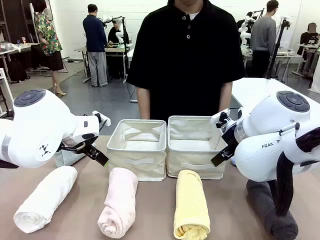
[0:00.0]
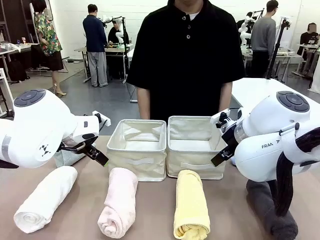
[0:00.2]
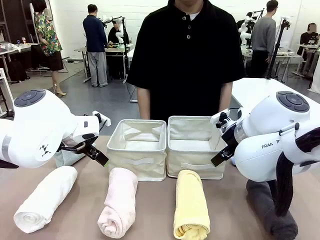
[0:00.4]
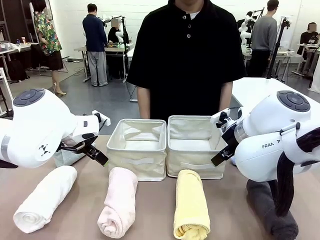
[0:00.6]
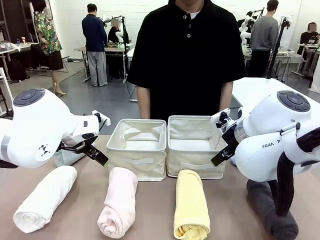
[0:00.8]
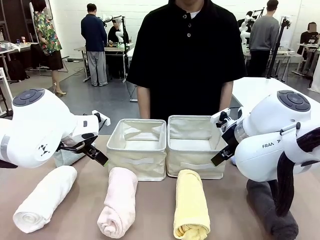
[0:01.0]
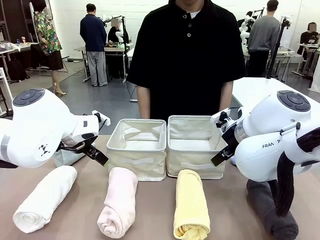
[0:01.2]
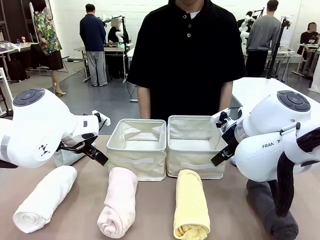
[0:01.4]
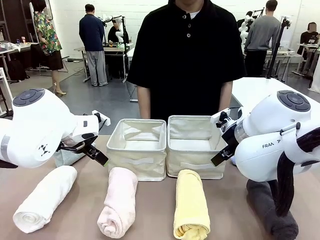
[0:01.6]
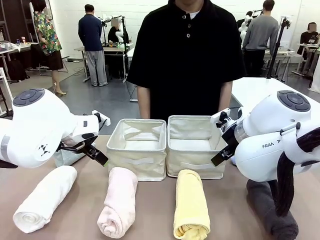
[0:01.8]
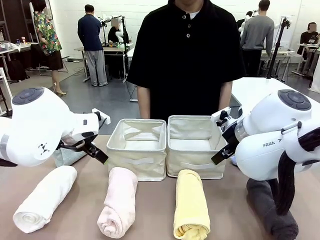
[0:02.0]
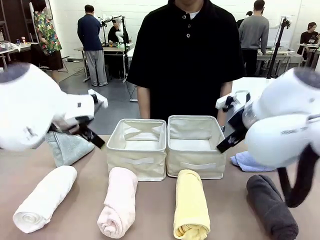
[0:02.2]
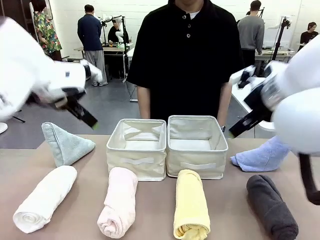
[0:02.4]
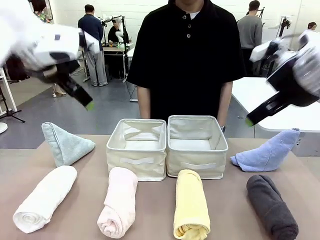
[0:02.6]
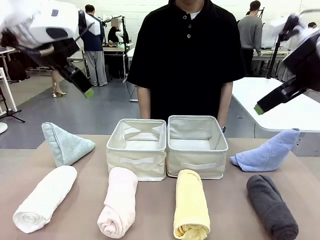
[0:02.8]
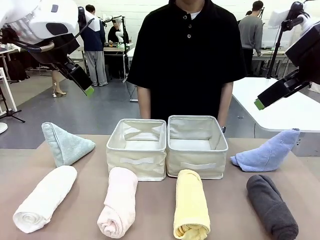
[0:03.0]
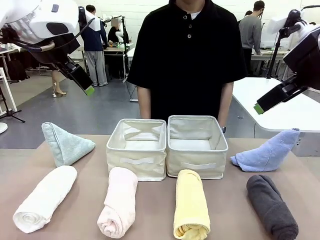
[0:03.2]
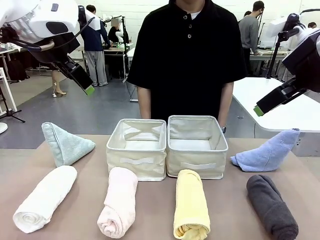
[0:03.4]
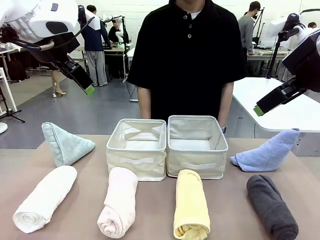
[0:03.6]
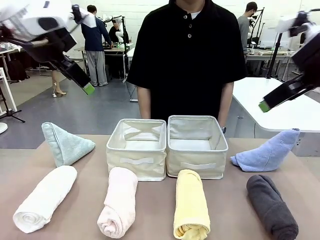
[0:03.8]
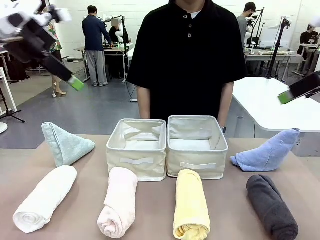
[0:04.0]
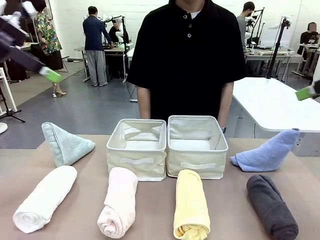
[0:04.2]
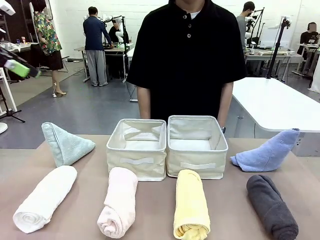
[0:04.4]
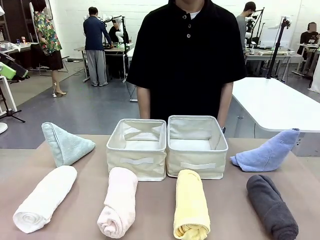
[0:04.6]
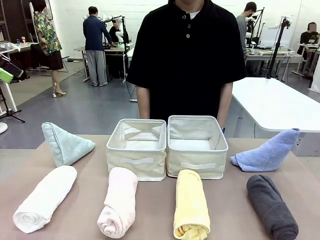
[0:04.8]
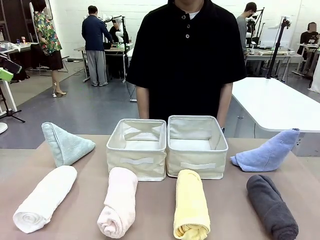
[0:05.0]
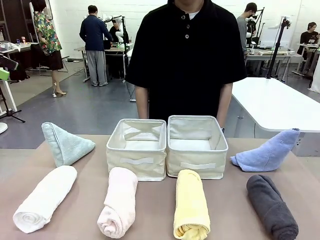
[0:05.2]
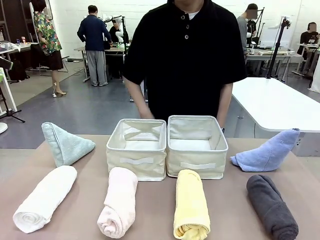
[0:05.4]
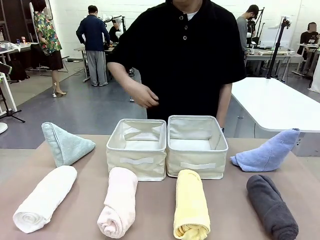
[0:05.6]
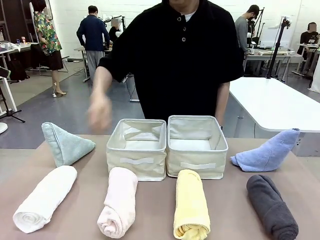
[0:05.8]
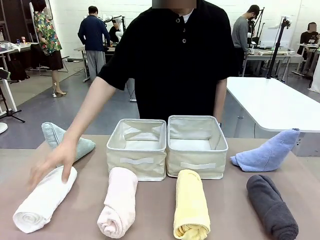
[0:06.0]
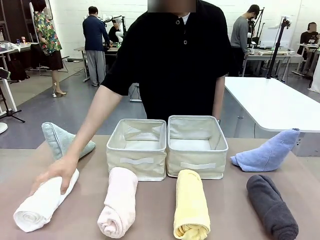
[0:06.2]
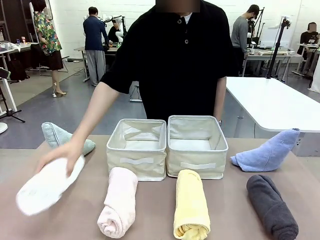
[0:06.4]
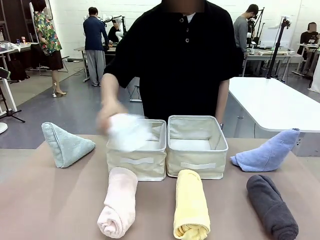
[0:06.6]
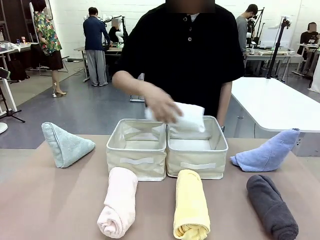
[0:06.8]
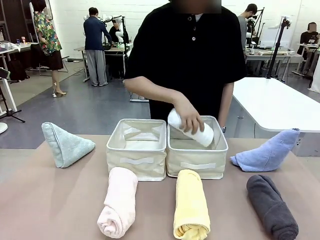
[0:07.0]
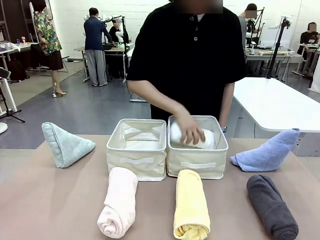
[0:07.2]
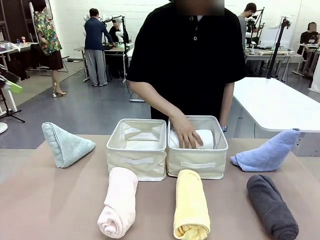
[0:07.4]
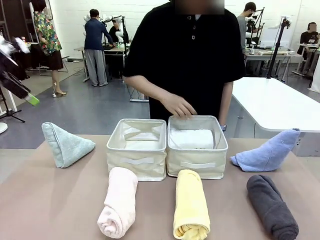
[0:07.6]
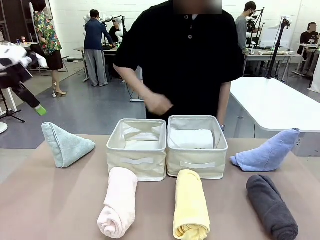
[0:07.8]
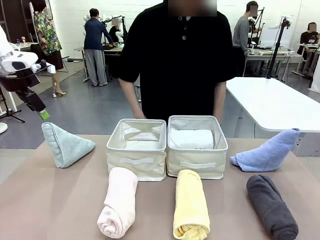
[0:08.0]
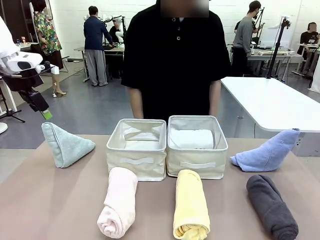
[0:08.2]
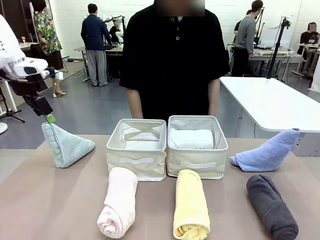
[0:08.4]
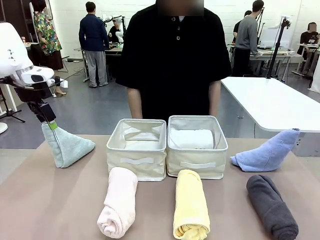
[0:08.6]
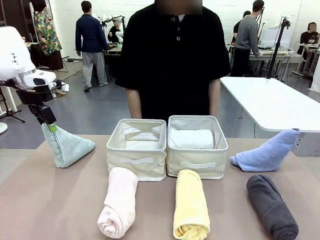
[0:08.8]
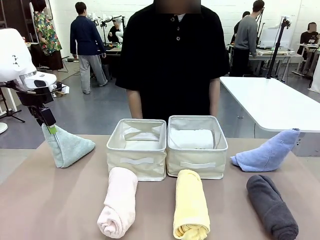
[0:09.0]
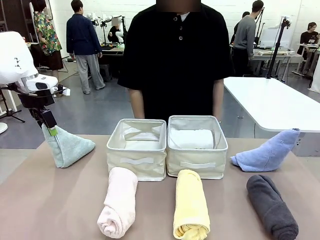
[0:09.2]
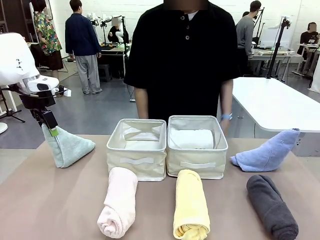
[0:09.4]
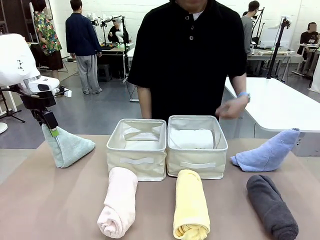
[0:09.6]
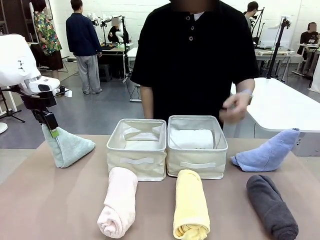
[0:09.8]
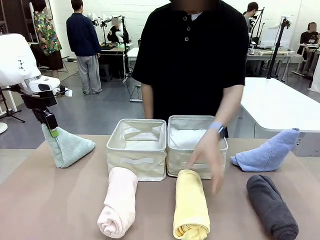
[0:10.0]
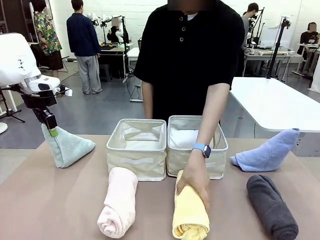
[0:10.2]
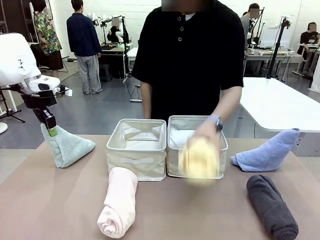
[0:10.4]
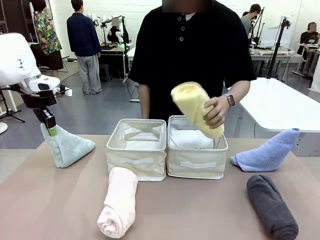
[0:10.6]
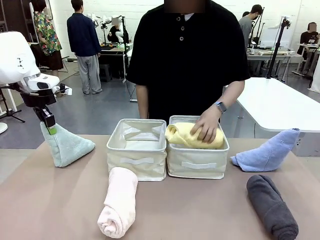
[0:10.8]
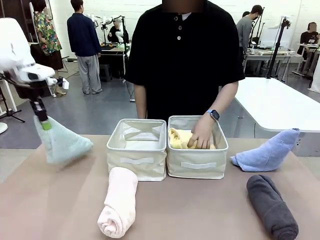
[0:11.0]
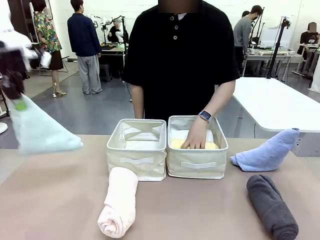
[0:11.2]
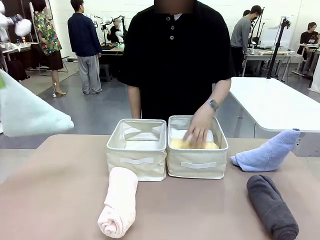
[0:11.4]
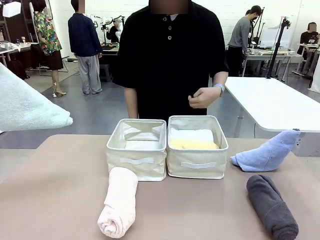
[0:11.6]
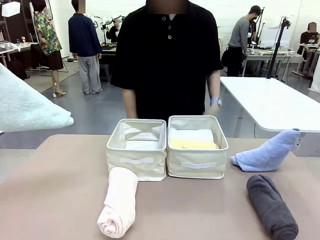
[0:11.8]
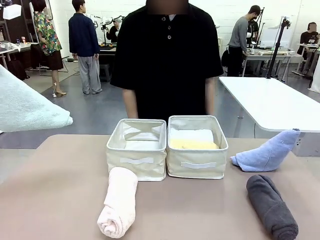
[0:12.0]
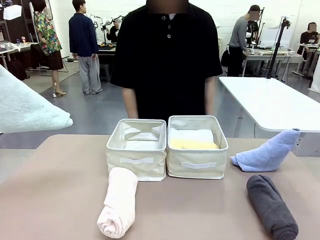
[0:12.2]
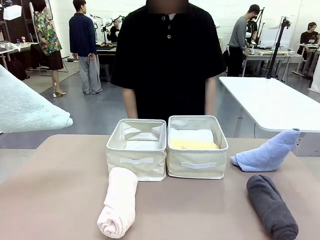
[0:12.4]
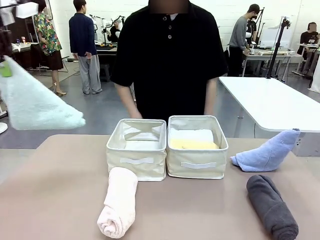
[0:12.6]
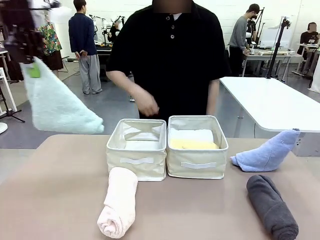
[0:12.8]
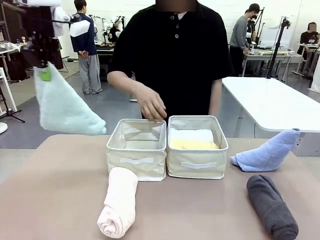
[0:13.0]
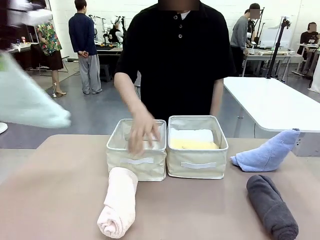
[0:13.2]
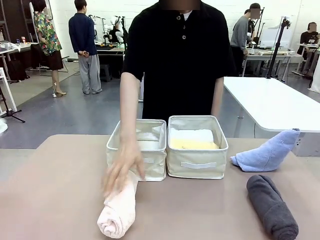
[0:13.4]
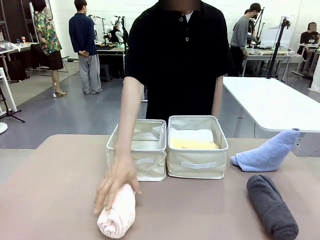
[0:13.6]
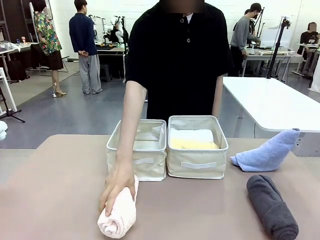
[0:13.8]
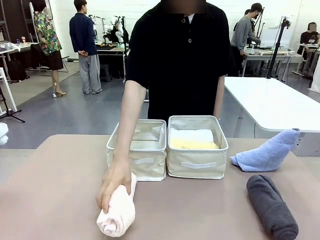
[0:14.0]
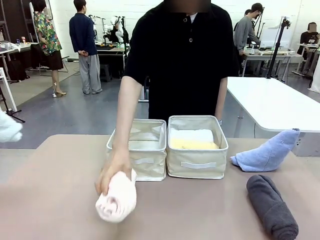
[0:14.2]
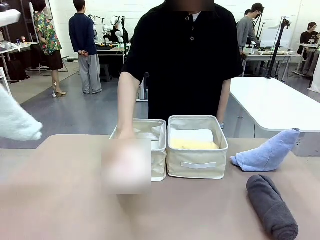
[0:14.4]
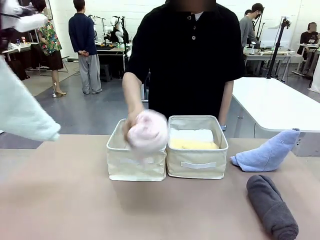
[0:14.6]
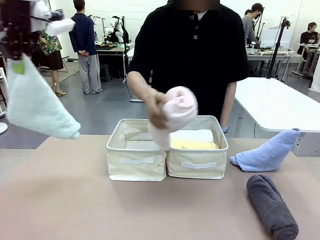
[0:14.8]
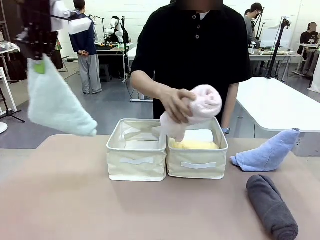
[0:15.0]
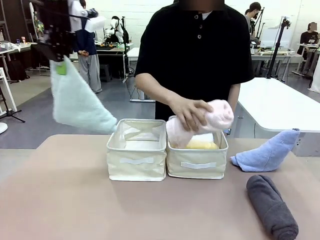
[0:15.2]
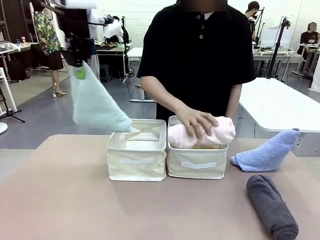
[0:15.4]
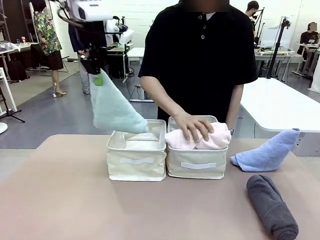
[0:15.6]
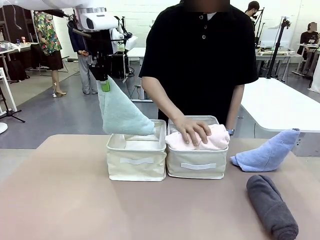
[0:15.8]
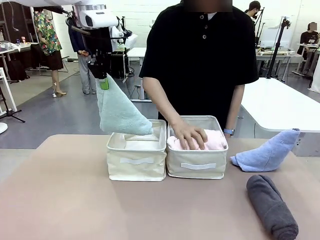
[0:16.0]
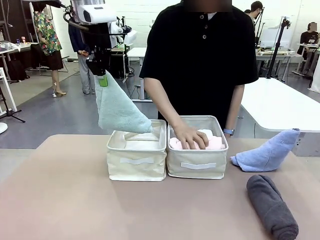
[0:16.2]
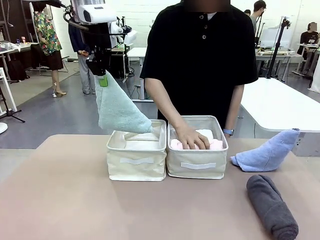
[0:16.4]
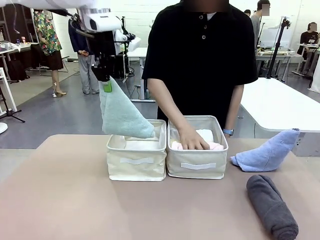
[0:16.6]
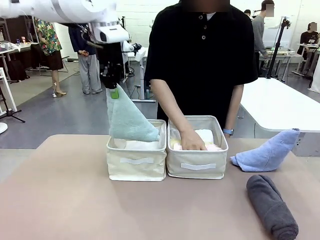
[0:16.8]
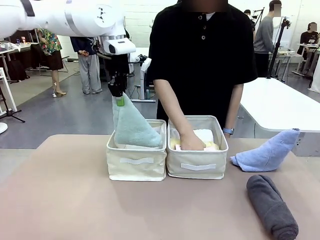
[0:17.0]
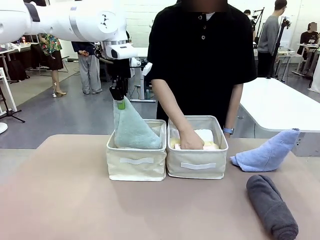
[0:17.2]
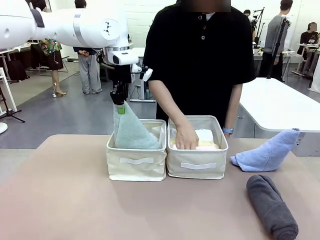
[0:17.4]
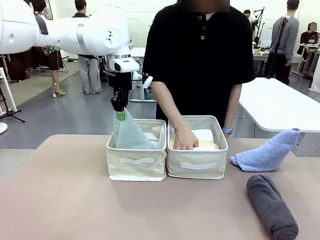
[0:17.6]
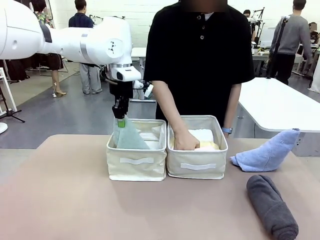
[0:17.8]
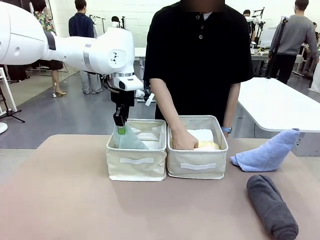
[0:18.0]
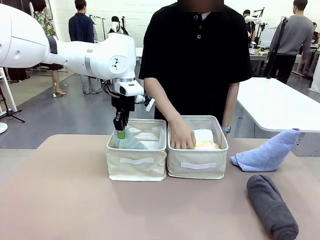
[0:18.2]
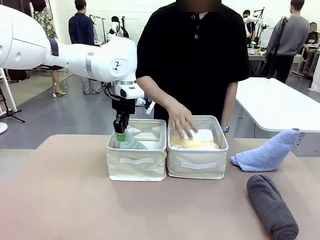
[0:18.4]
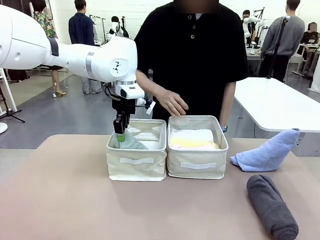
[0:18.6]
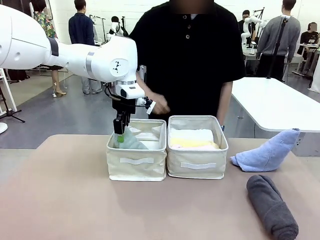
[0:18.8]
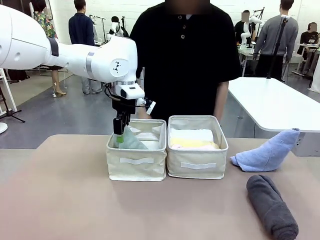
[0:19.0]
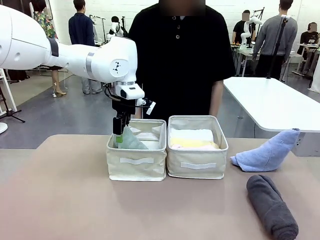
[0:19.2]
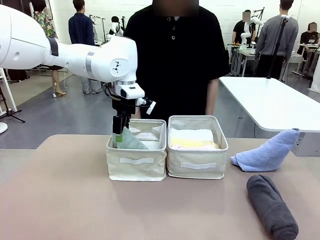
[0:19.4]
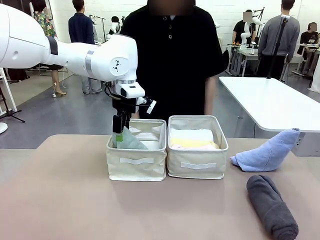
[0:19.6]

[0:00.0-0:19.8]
Task: Sort the towels based on their folding style.
Robot: Pick up one triangle-folded towel and place it in the left Fabric basket.
Person: Pick up one hotel-style rolled towel and place it in the left fabric basket.
